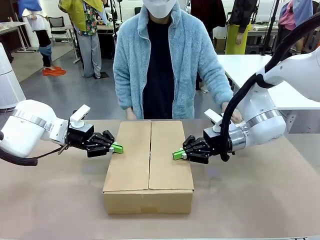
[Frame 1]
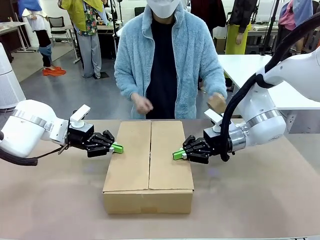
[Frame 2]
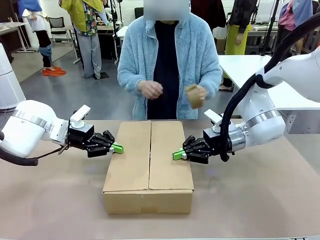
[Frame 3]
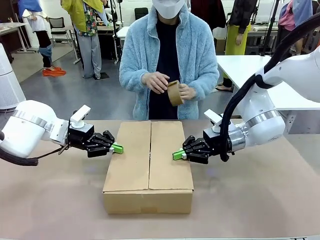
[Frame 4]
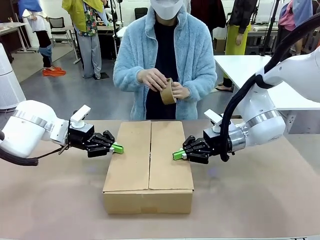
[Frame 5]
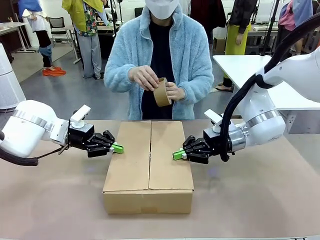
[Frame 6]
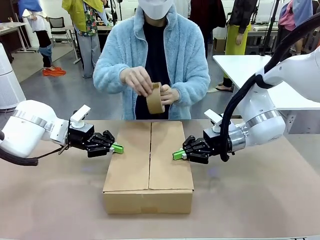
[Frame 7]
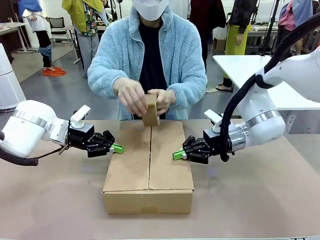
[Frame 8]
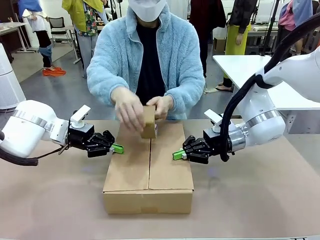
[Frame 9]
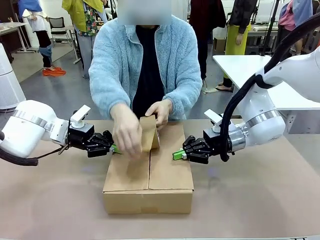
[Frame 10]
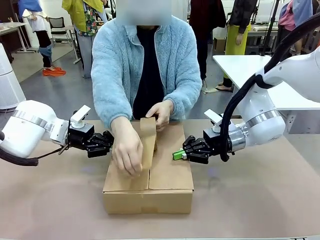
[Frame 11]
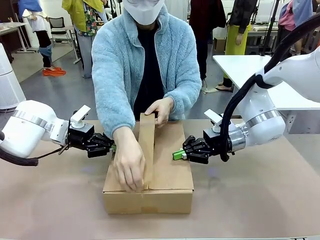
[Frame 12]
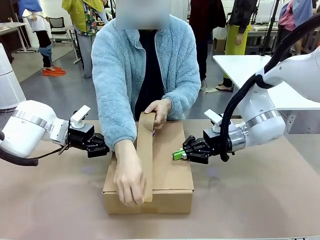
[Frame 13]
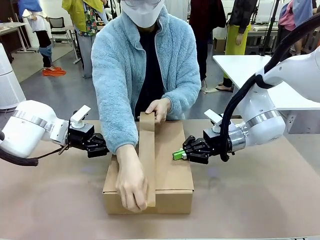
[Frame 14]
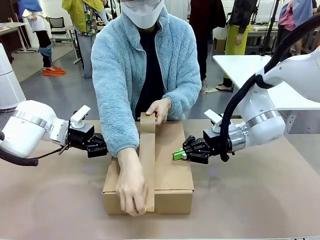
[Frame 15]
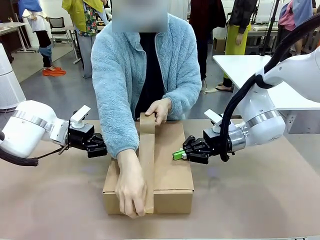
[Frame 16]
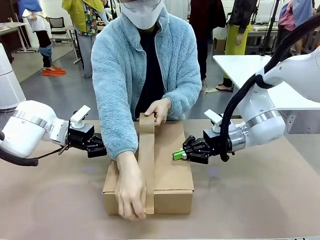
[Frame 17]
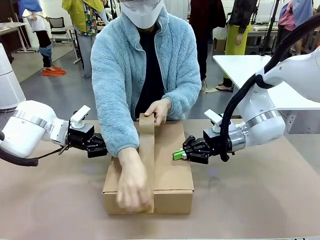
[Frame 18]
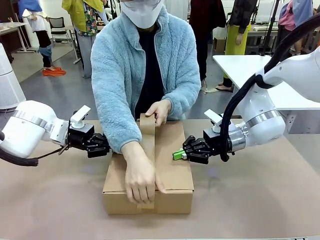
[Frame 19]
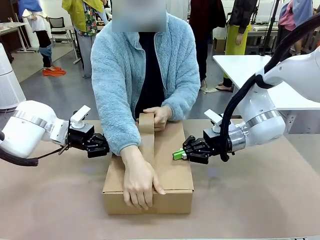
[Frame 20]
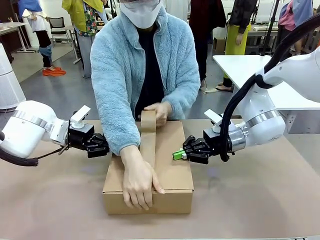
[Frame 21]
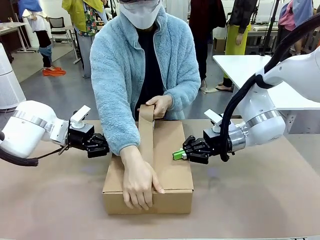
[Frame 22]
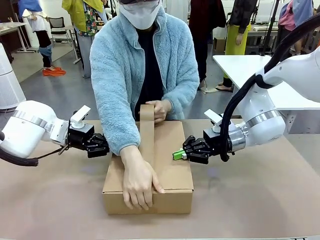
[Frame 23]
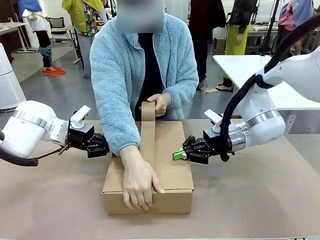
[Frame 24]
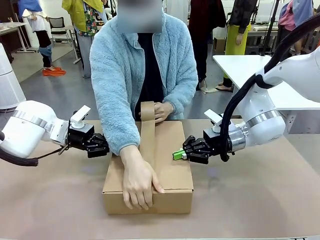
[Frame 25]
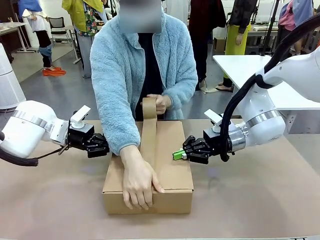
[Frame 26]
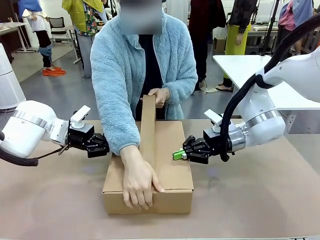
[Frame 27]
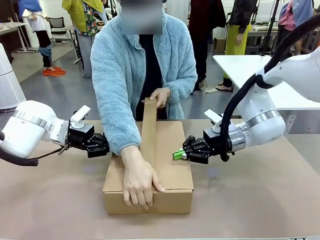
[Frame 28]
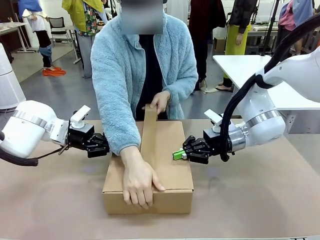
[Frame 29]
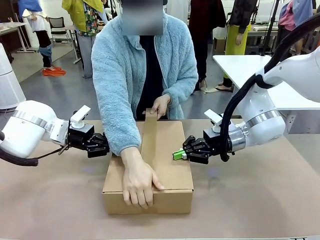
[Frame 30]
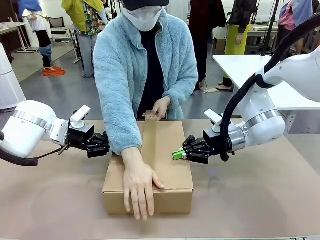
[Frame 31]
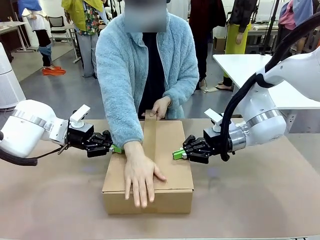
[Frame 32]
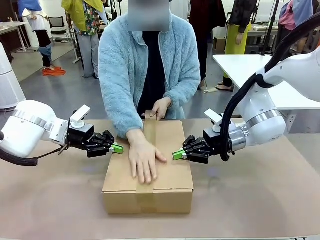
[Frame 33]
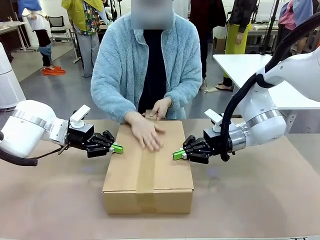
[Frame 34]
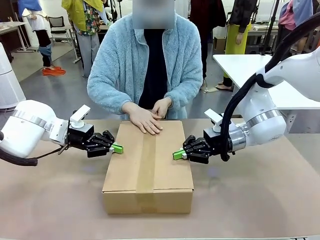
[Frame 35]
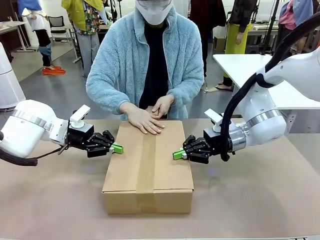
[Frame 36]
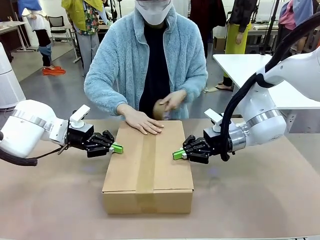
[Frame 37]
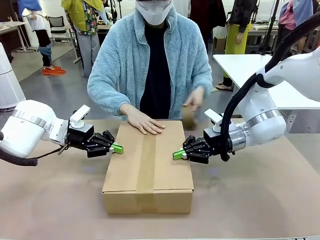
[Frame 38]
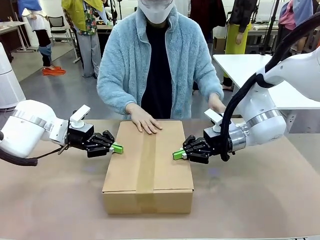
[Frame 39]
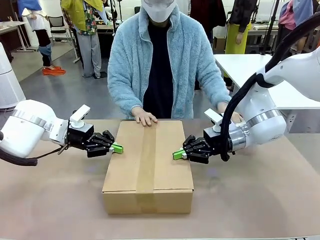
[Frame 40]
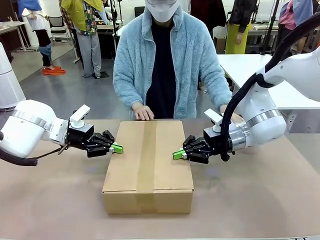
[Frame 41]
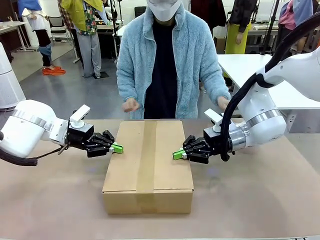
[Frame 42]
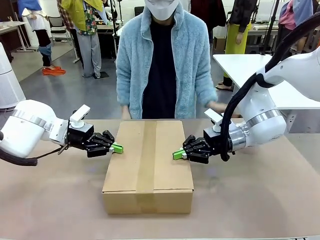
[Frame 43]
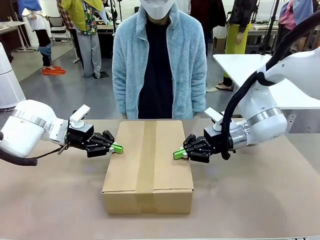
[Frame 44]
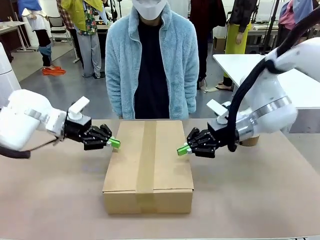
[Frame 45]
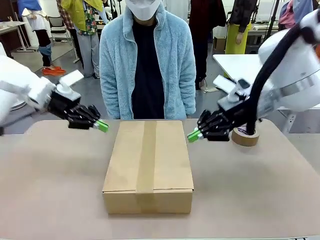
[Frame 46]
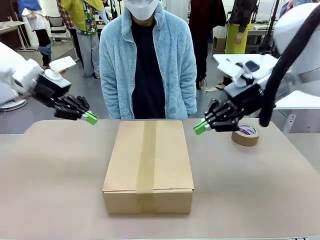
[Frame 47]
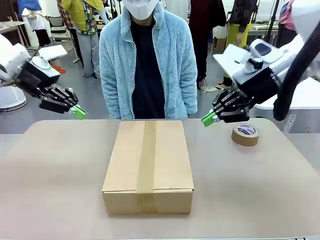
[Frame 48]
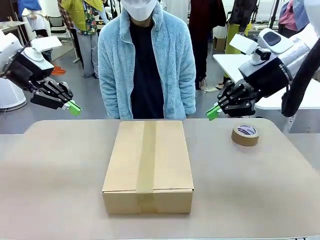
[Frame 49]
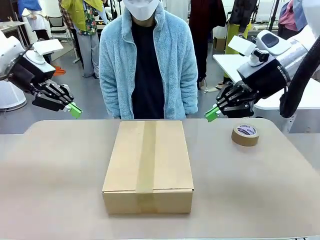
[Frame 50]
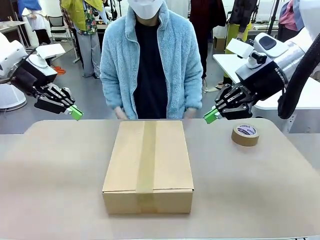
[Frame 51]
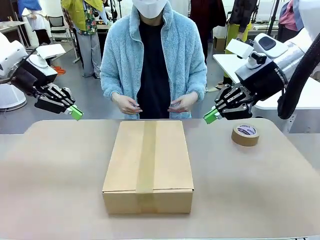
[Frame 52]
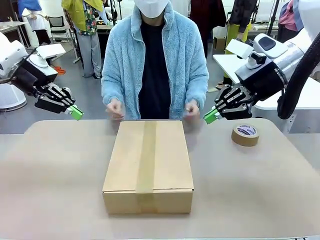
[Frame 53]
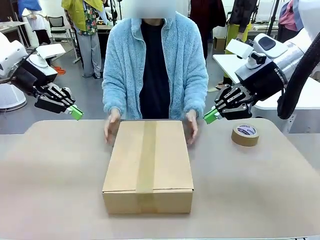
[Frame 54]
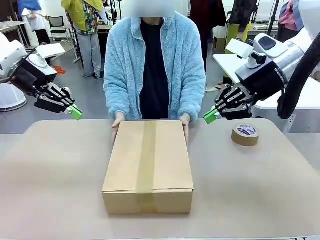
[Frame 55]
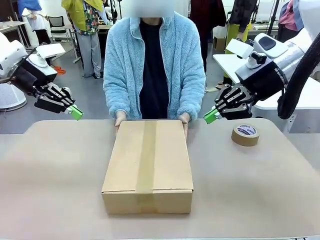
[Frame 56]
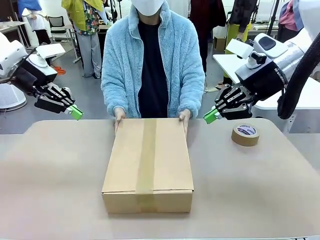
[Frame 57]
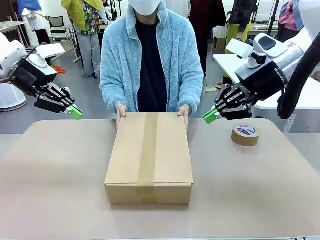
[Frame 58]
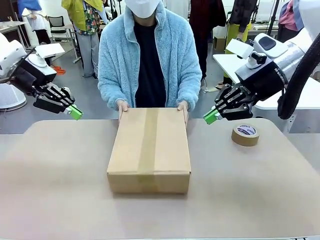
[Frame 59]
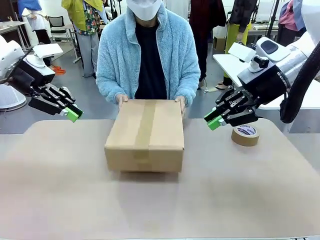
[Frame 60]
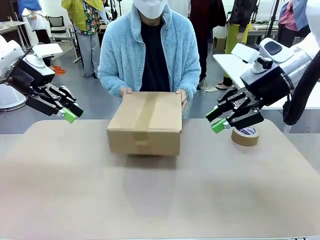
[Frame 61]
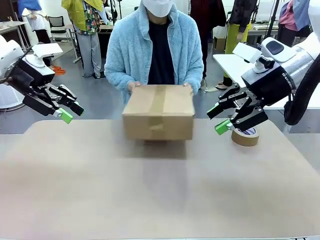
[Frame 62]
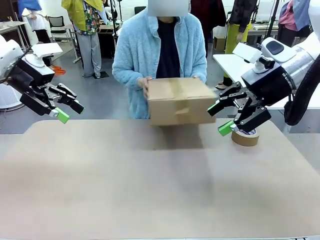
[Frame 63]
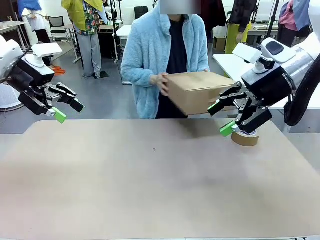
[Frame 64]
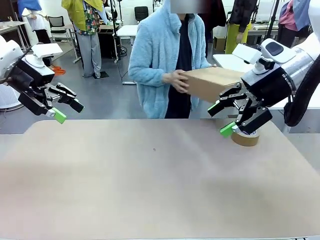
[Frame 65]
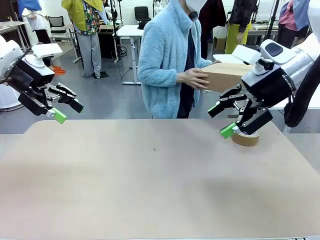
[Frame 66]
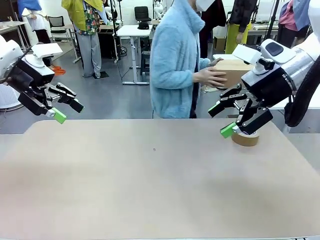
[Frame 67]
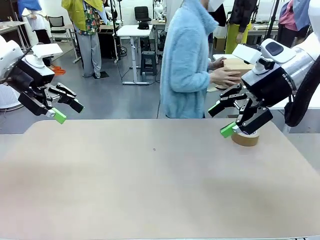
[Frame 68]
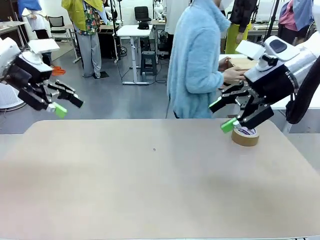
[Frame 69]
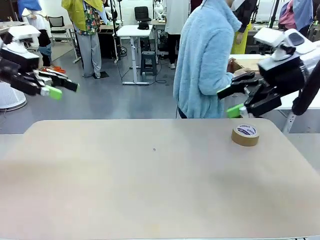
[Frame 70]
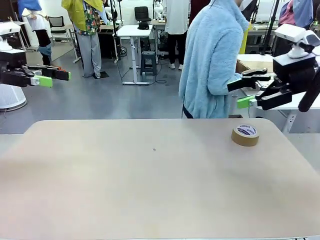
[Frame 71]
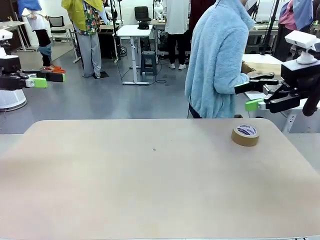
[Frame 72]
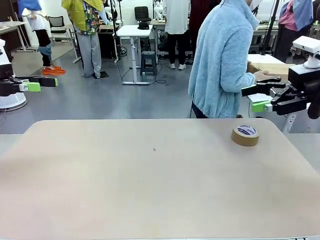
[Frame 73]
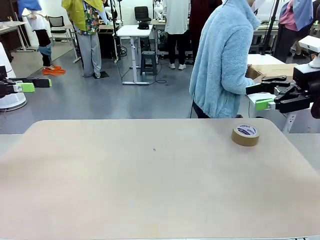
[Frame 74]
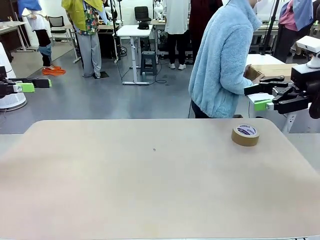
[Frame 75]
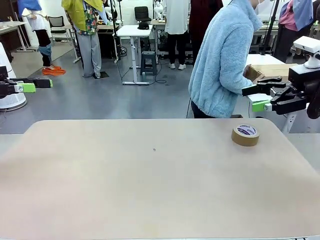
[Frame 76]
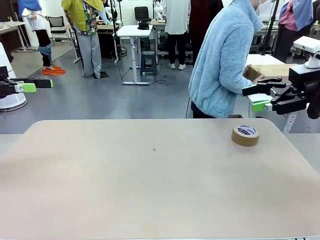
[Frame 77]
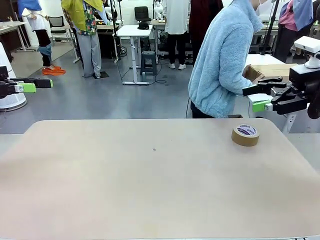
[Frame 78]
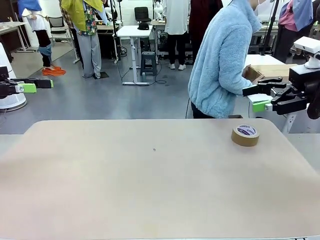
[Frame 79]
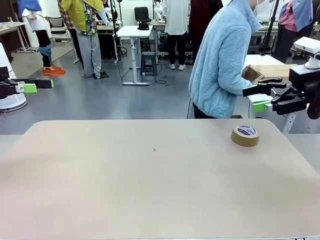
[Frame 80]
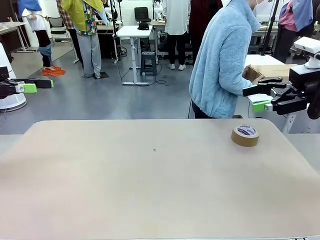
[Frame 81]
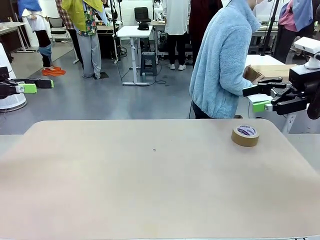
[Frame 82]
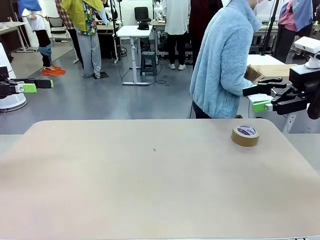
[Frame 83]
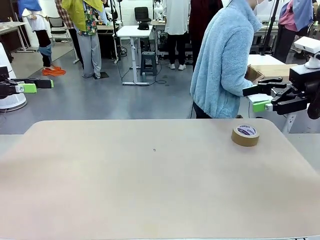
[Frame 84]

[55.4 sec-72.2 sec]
Task: Wrap the clocks to prevent damage.
Robot: After the human seals the box with tape, release both hands from the side flaps of the Package Box.
Person: Once the robot closes the left flap of the Package Box , seal the box with Paper Tape. Place sealed Package Box in the middle of the human's table.
